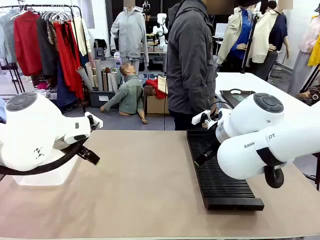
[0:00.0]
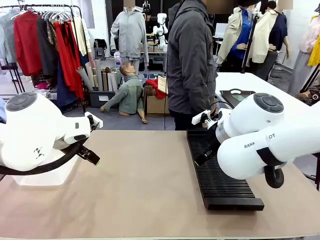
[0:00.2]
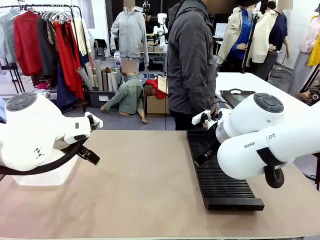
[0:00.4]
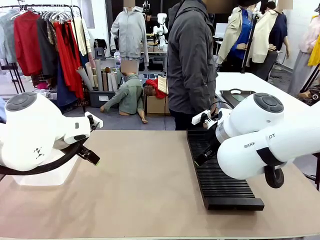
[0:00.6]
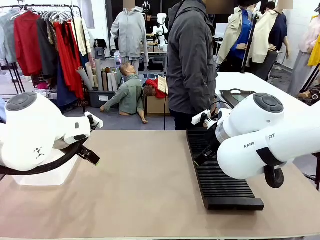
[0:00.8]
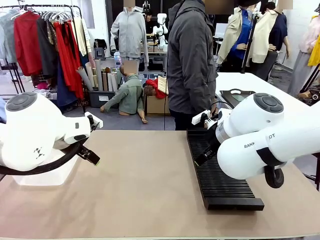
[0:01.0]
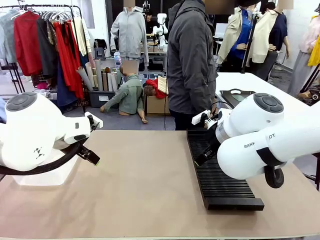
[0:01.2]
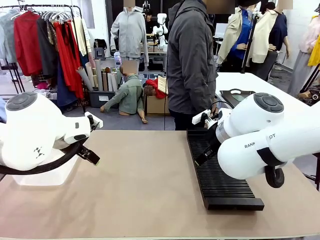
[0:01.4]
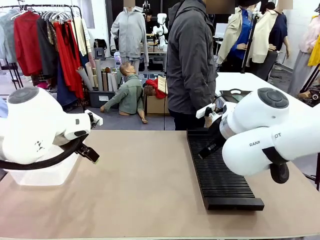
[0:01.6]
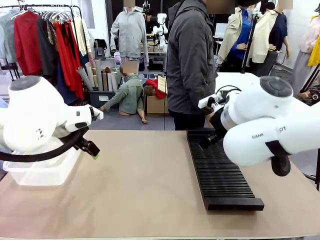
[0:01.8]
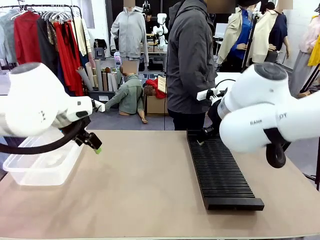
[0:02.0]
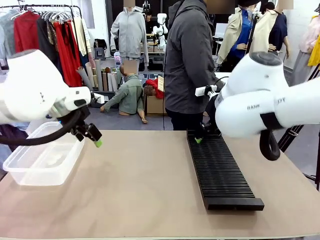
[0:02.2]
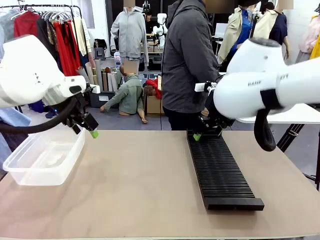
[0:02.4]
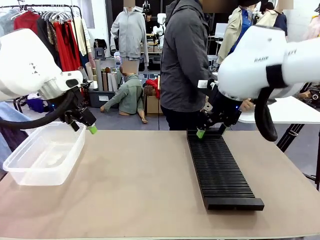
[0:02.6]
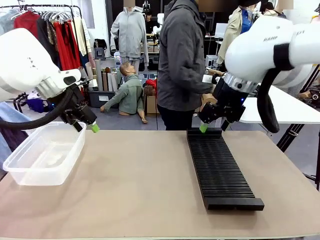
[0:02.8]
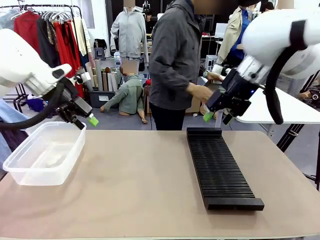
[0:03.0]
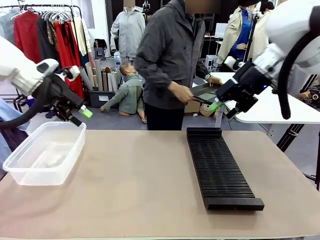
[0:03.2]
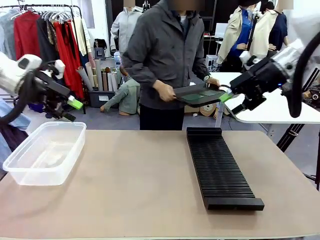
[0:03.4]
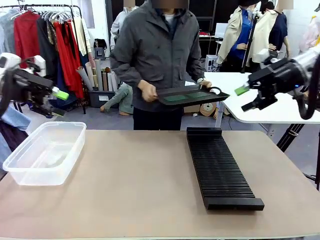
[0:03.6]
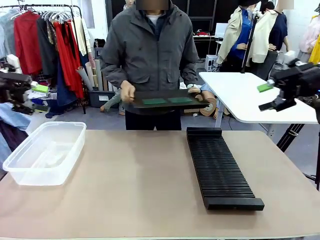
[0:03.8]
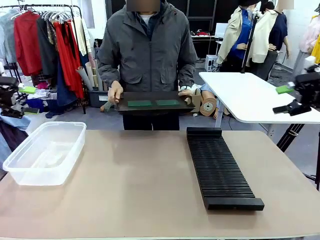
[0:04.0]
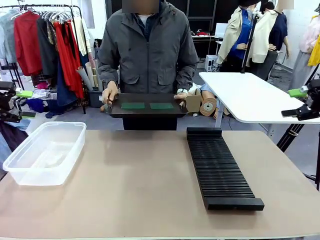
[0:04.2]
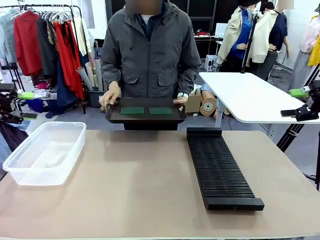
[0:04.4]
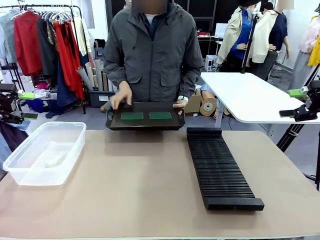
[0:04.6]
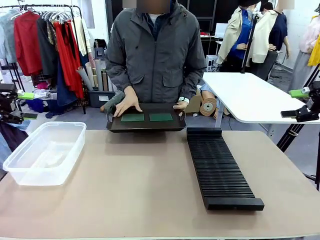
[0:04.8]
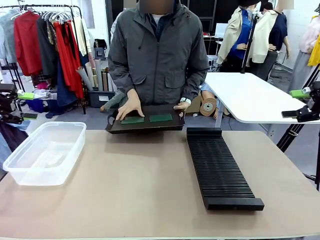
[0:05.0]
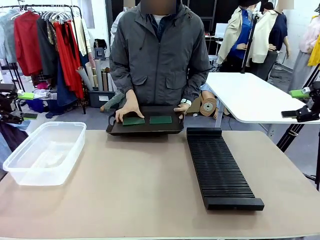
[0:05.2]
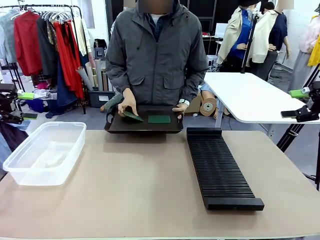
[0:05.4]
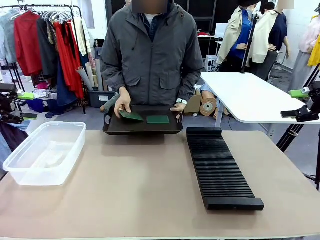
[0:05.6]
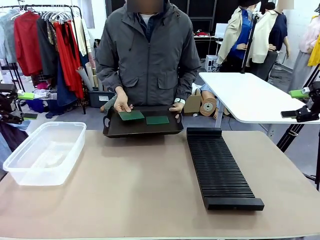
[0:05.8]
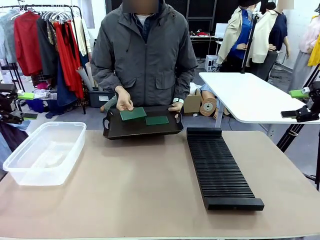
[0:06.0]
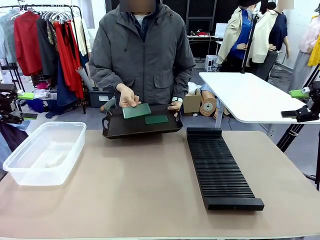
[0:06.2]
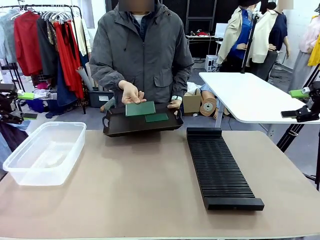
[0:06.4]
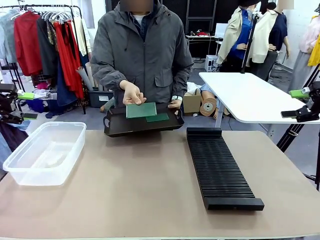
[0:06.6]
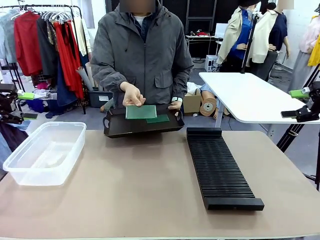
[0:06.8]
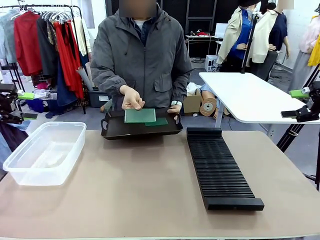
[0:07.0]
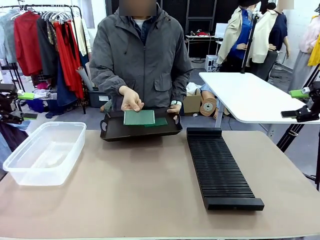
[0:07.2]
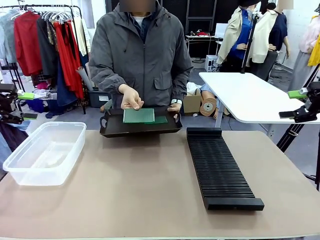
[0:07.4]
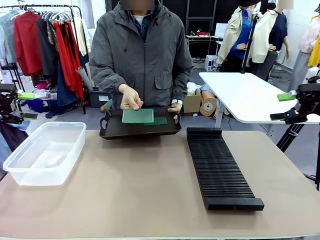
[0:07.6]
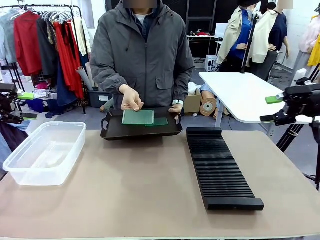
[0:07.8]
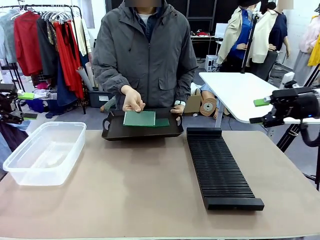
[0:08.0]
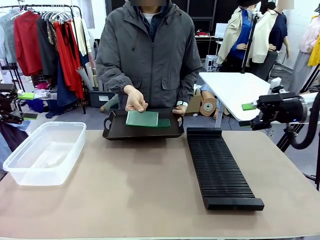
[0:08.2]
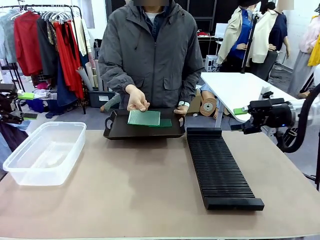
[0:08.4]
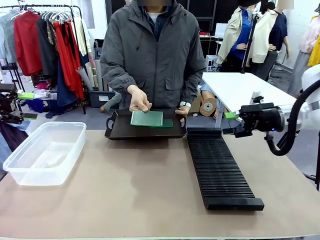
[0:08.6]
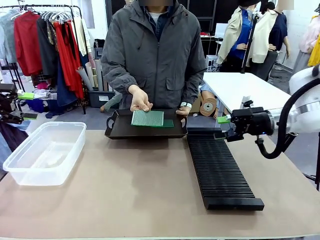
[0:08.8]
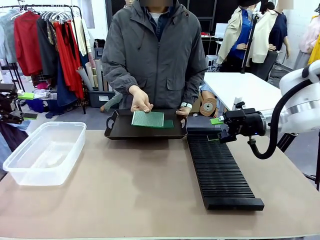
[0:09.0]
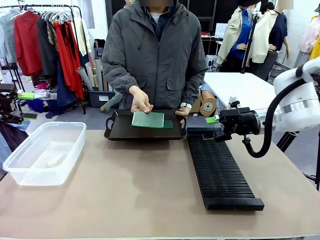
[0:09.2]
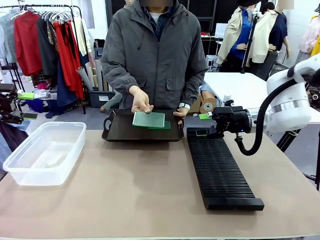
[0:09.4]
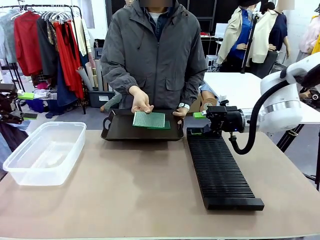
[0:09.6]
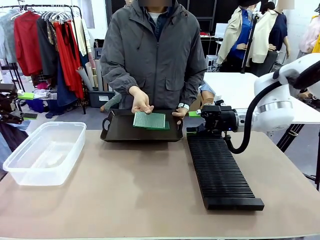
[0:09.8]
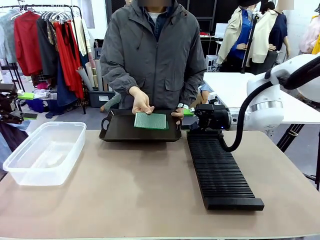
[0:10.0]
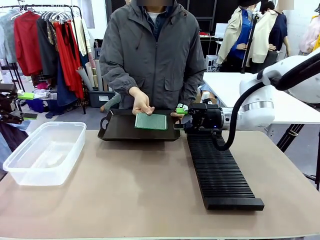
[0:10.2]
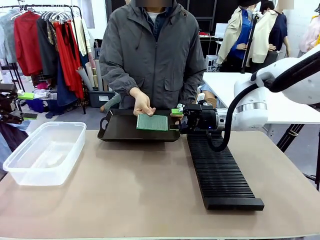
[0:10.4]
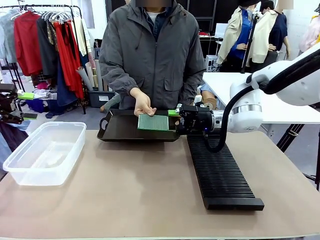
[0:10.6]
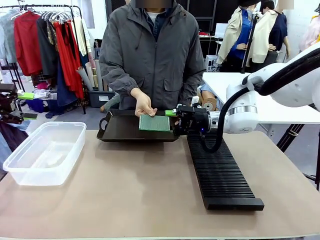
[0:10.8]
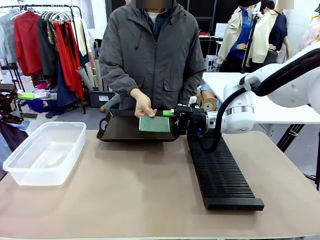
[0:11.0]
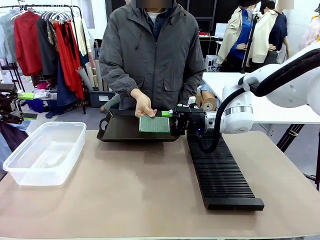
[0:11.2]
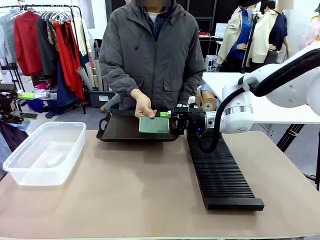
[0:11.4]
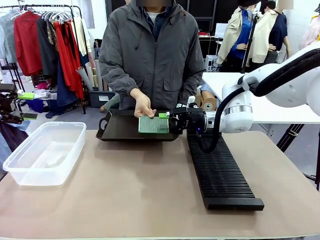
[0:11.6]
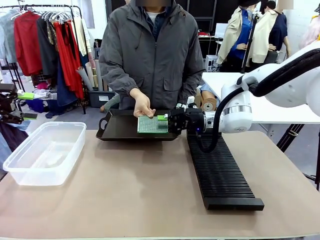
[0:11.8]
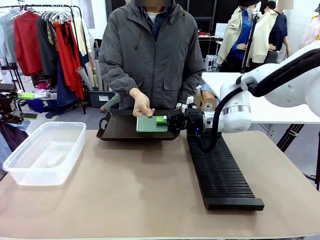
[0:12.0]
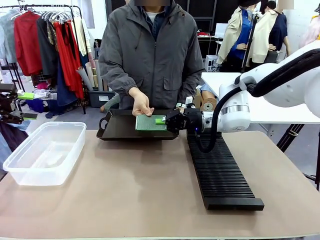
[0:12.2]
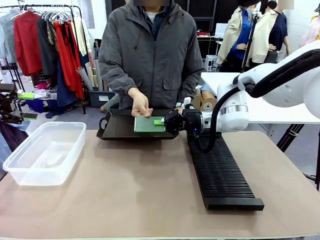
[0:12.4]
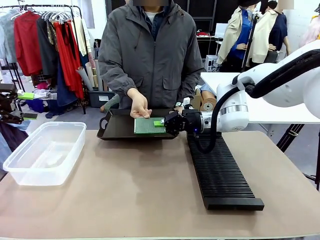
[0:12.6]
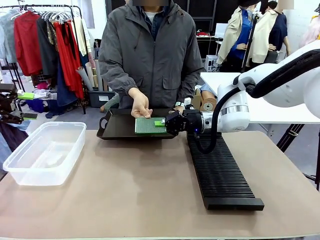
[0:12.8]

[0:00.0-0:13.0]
Task: Sort PCBs into racks and boxes based on the side picked up.
Robot: Pick up the Blank PCB handed by the Human.
Person: Pick one PCB from the tray and present it to the robot. Release the PCB being held.

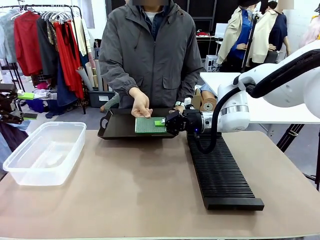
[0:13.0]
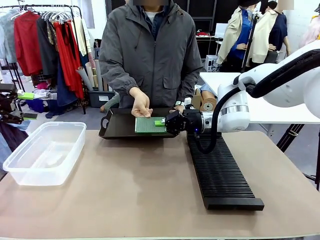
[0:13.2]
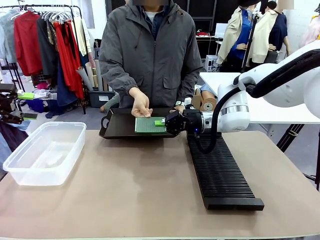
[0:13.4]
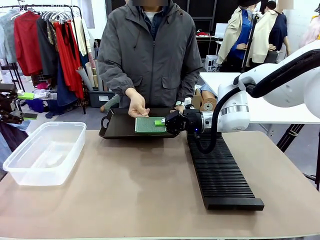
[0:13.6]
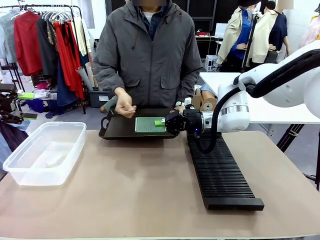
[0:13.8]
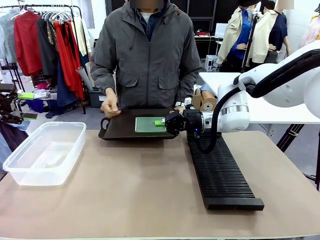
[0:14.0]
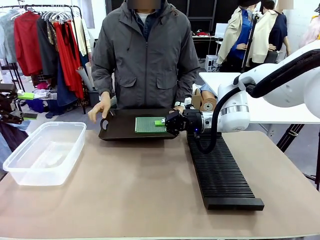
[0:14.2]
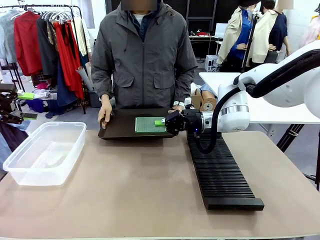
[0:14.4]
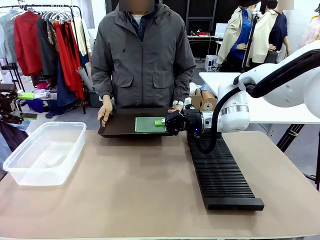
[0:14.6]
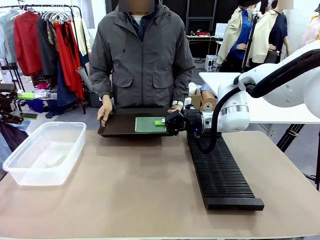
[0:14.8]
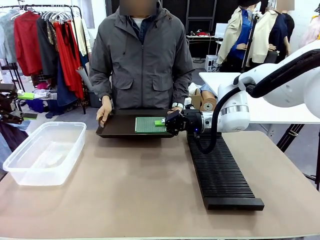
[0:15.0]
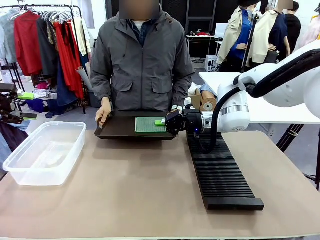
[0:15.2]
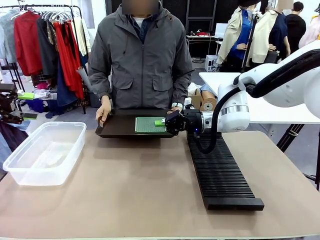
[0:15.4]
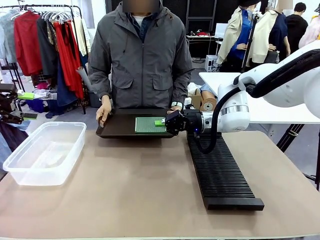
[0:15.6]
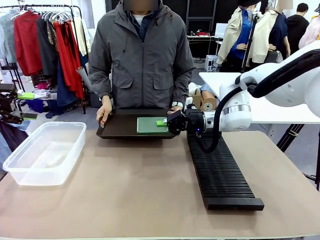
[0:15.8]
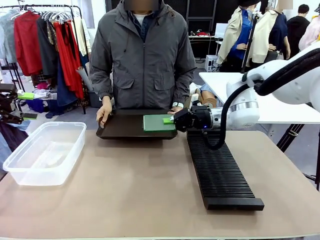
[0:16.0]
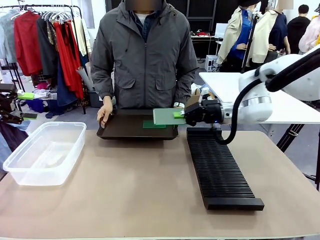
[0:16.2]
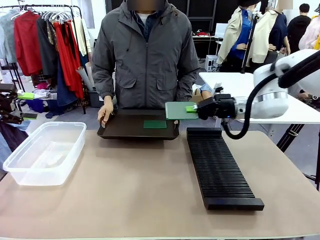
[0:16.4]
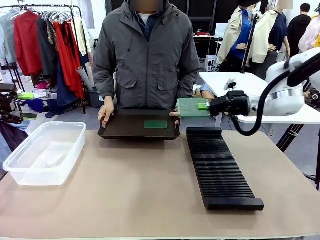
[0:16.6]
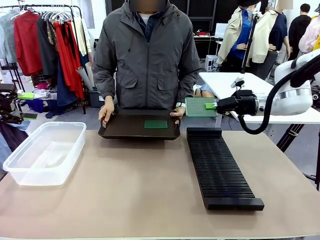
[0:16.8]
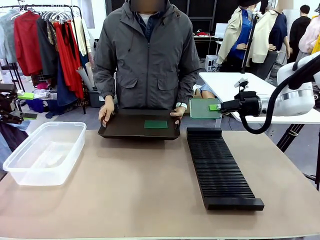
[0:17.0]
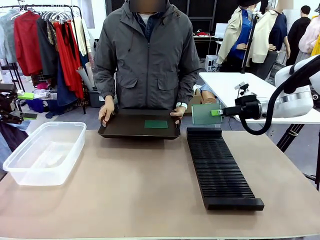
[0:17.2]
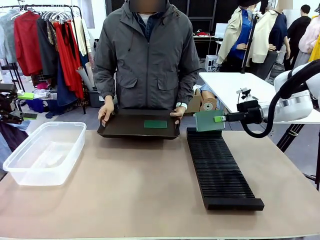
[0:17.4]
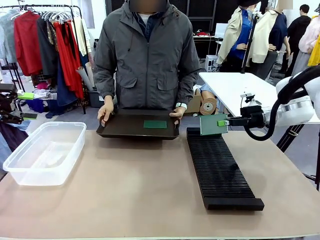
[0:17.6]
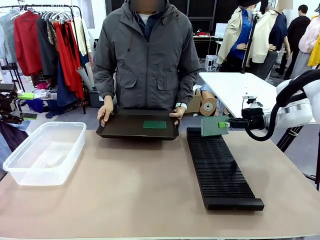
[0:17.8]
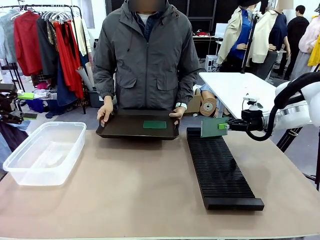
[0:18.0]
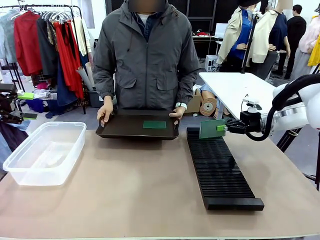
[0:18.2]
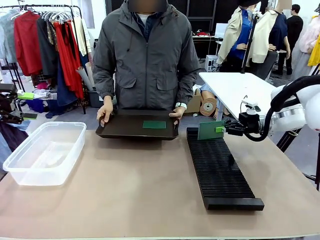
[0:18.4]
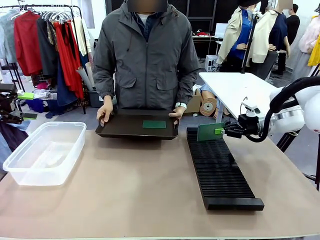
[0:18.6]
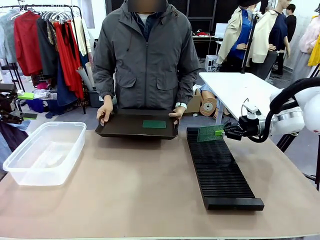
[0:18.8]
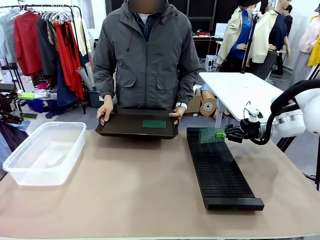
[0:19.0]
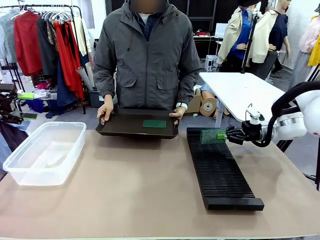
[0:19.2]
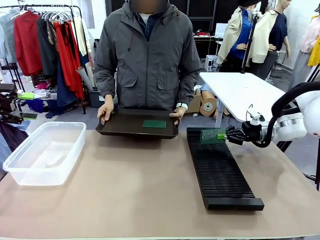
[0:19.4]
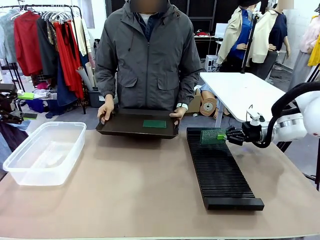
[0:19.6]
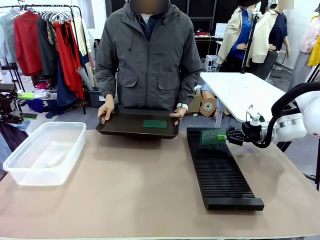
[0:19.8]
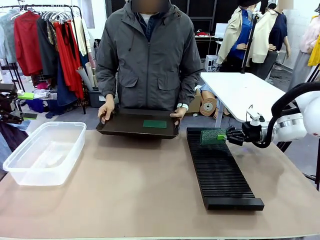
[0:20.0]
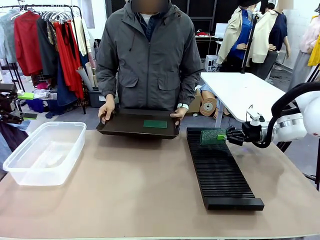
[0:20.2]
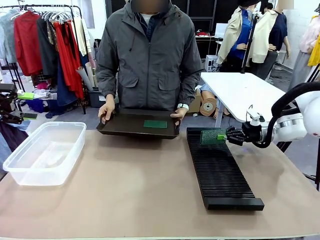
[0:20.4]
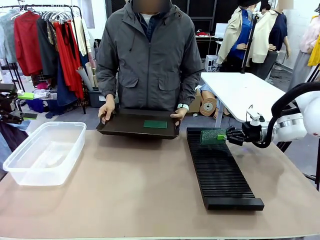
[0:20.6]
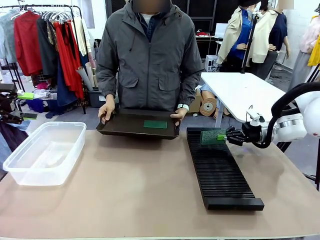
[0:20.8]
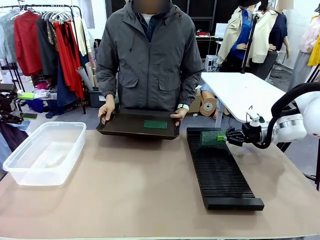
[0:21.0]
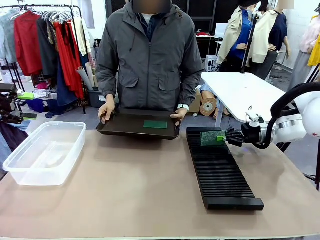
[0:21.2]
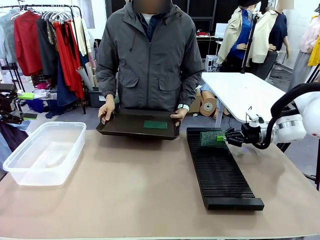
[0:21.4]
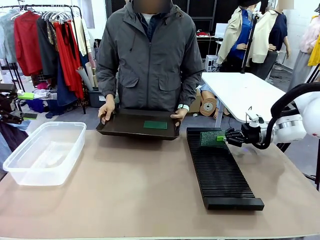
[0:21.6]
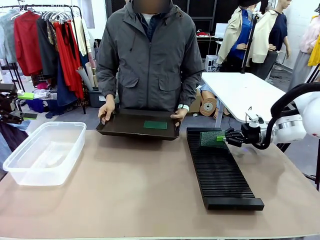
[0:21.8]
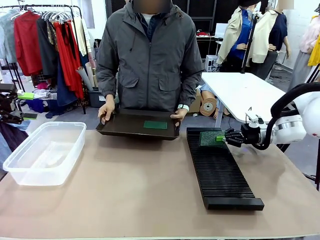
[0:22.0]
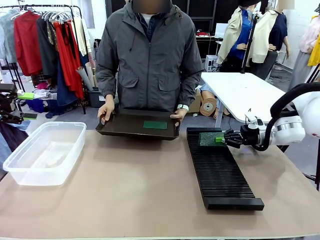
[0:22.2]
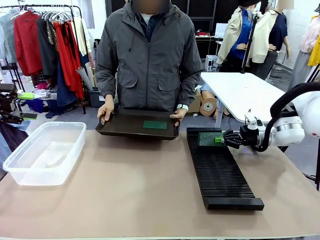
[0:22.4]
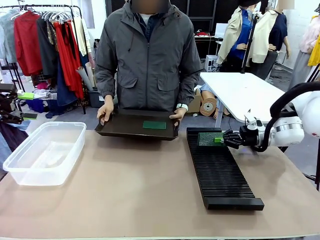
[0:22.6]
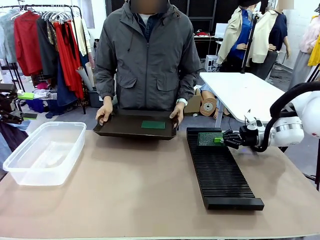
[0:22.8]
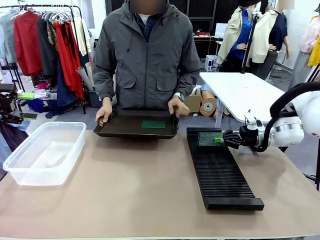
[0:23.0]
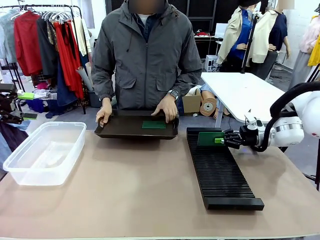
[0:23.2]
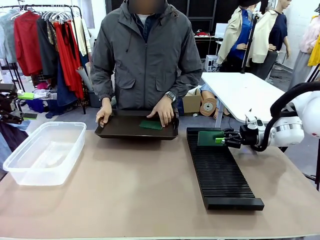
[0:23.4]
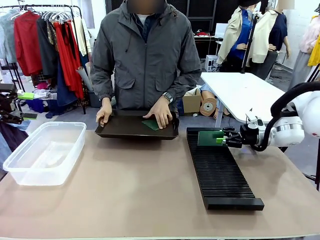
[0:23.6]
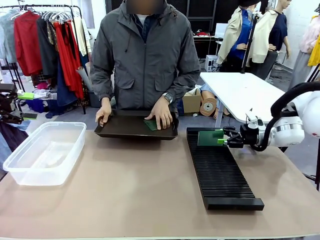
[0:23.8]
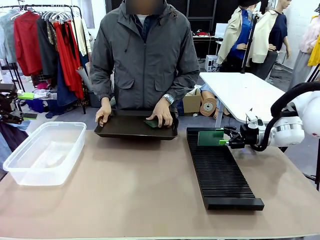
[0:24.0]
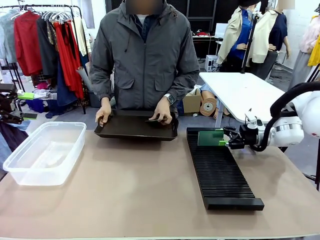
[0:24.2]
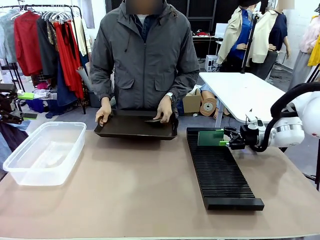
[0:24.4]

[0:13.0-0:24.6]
Robot: If the short side of the Blank PCB is picked up, insert it into the PCB Rack ; if the long side is picked up, place it in the Organizing box.
Person: Pick one PCB from the tray and present it to the robot.
